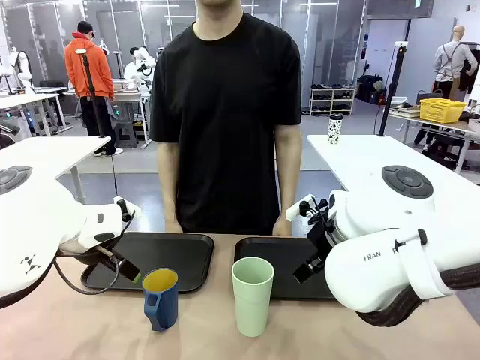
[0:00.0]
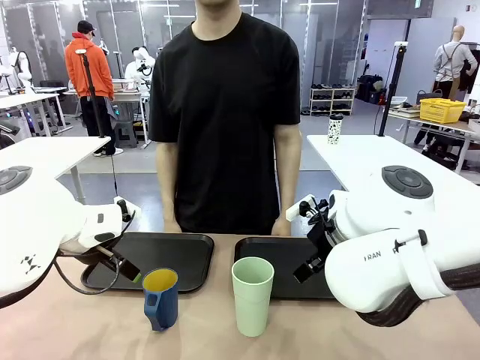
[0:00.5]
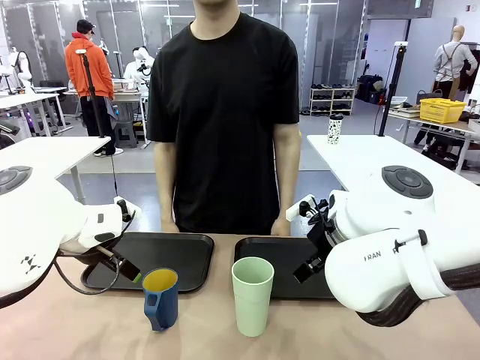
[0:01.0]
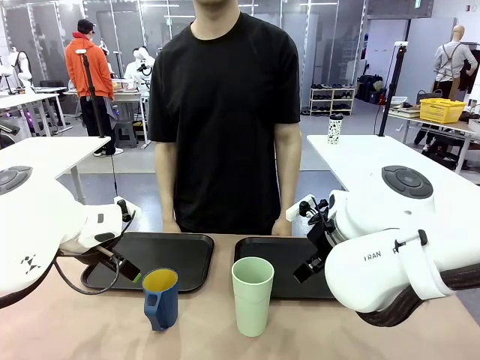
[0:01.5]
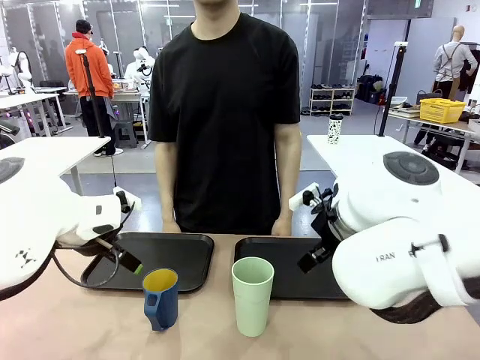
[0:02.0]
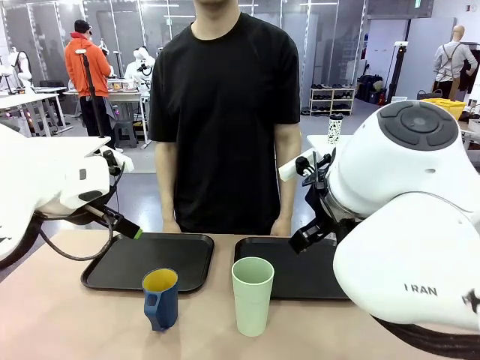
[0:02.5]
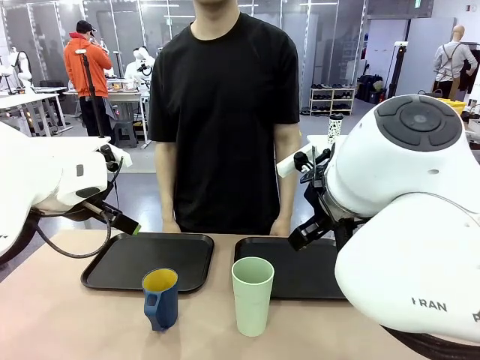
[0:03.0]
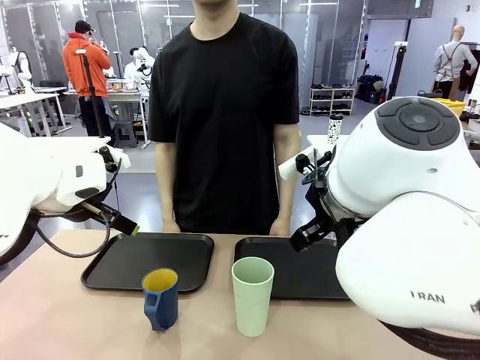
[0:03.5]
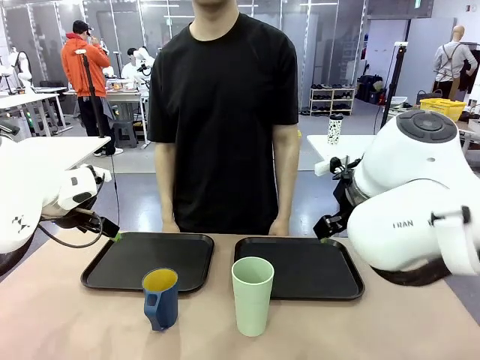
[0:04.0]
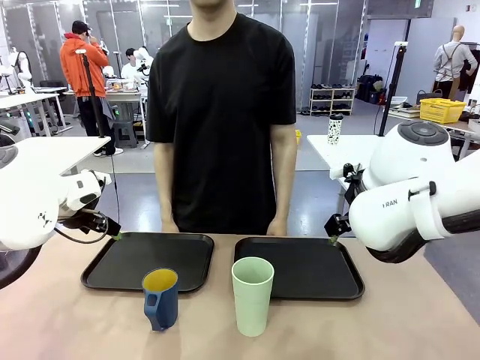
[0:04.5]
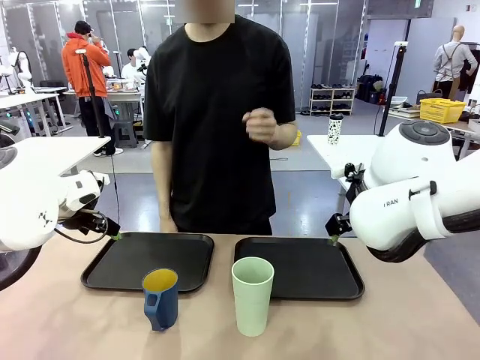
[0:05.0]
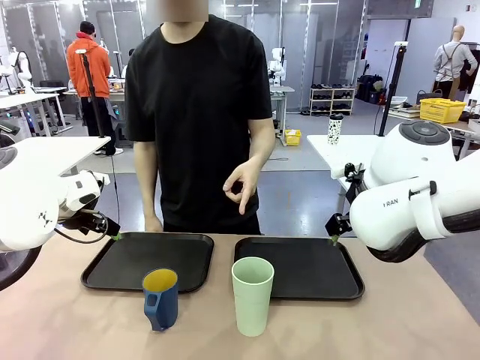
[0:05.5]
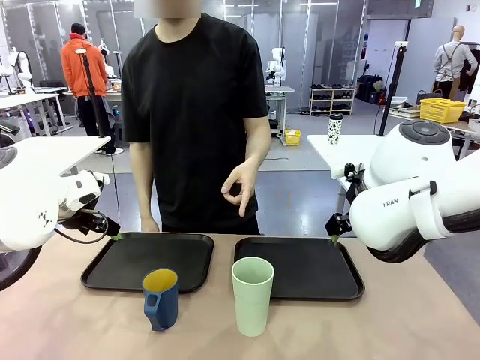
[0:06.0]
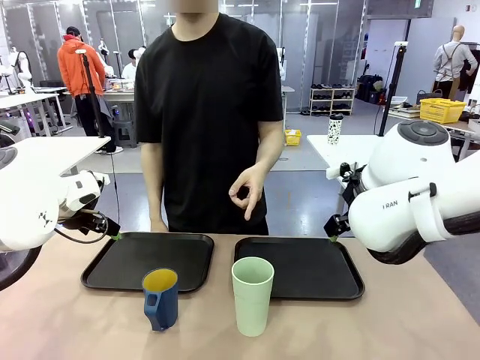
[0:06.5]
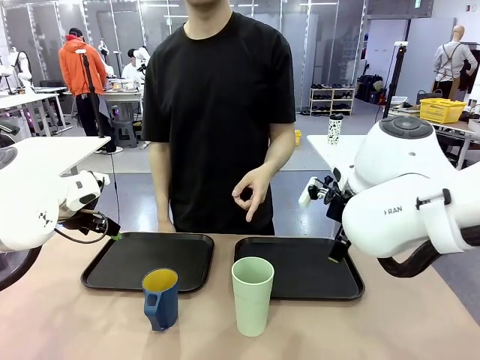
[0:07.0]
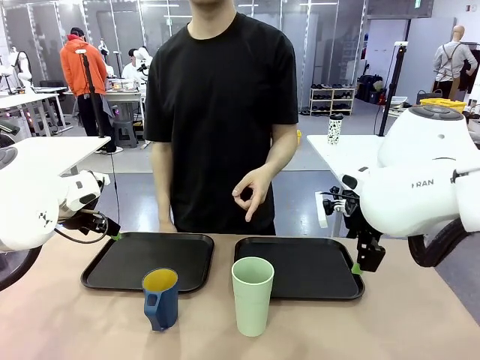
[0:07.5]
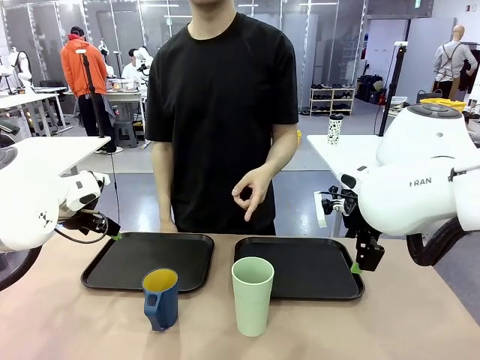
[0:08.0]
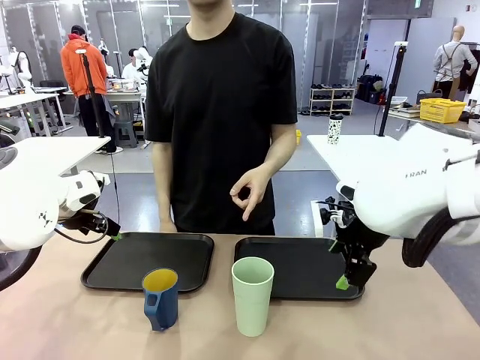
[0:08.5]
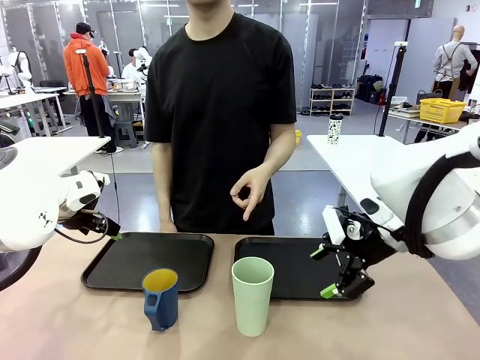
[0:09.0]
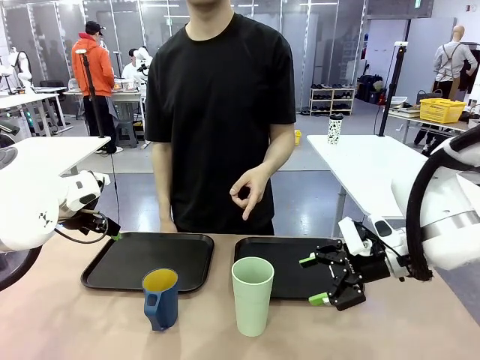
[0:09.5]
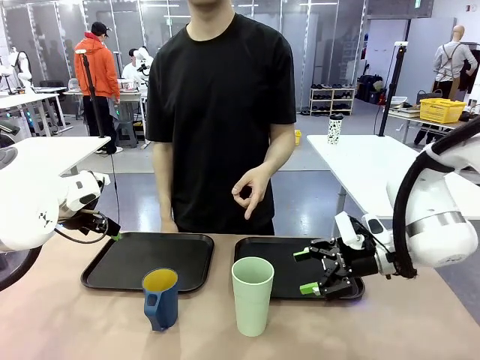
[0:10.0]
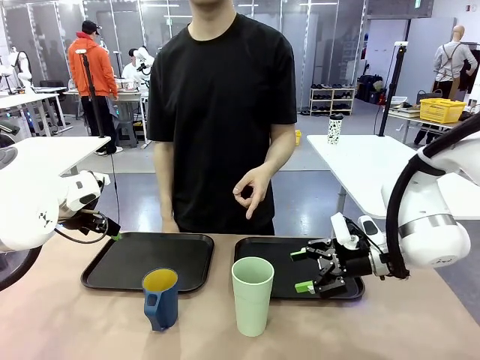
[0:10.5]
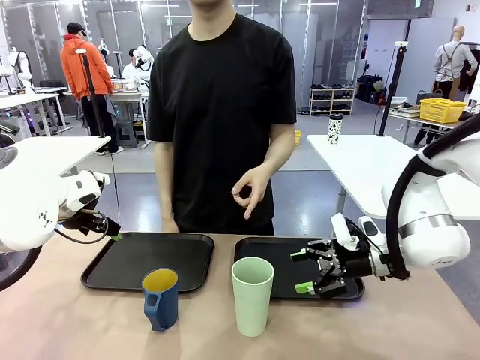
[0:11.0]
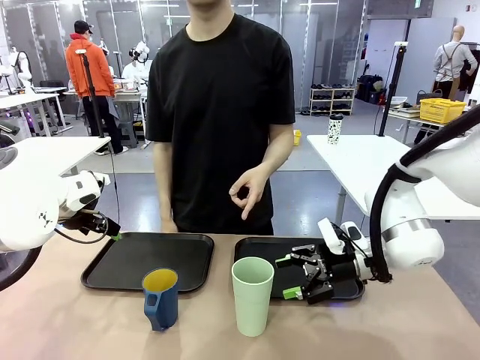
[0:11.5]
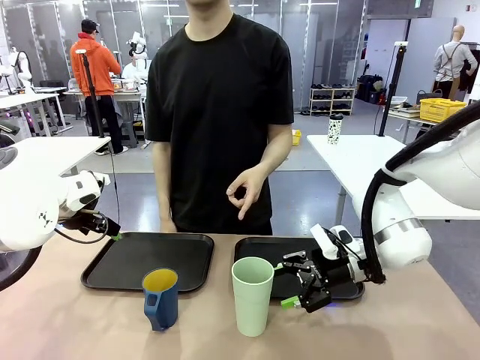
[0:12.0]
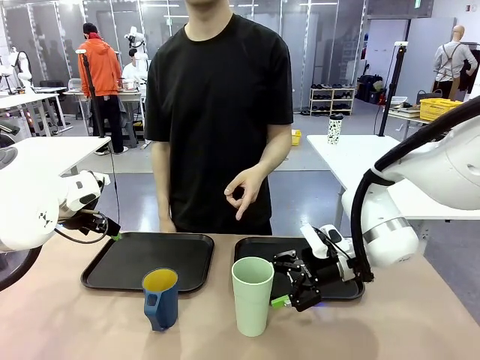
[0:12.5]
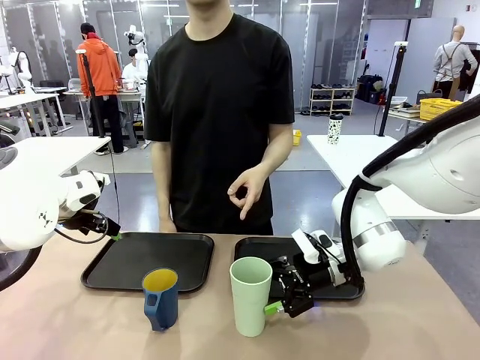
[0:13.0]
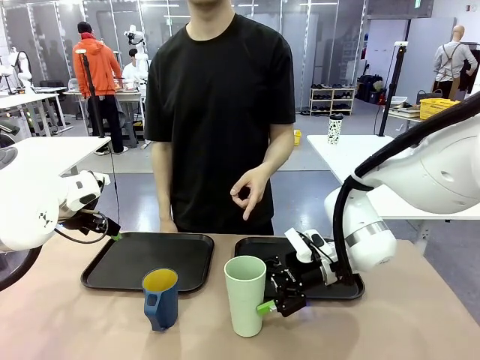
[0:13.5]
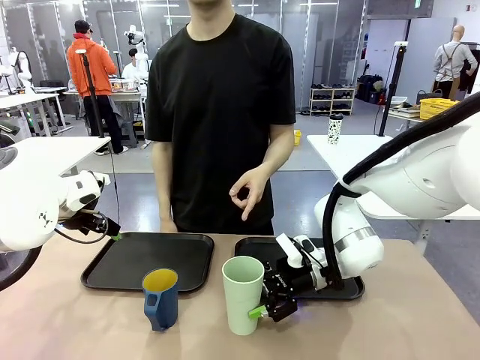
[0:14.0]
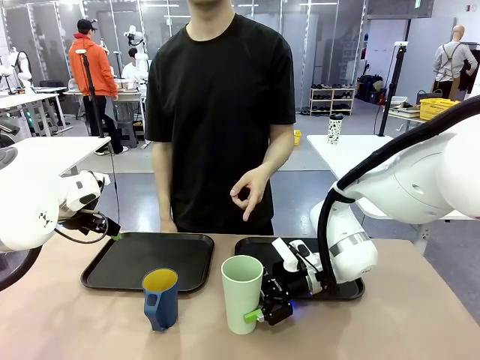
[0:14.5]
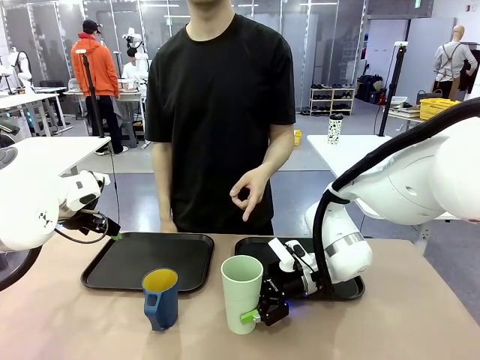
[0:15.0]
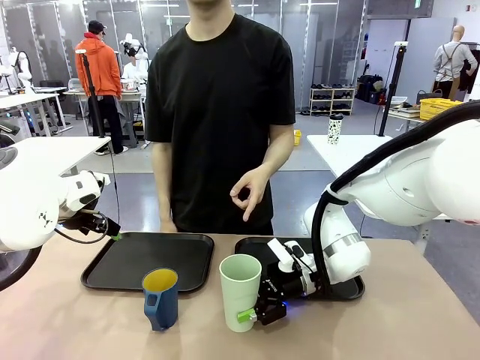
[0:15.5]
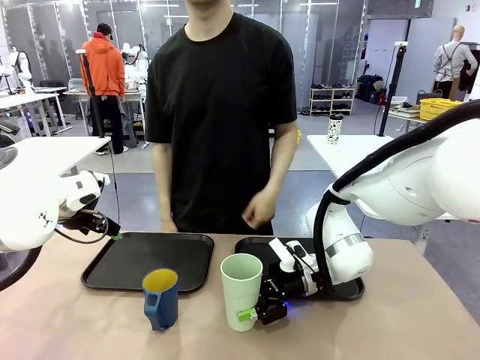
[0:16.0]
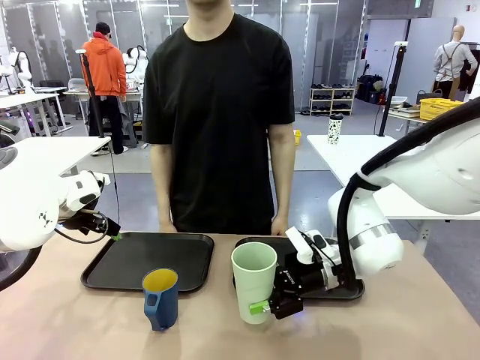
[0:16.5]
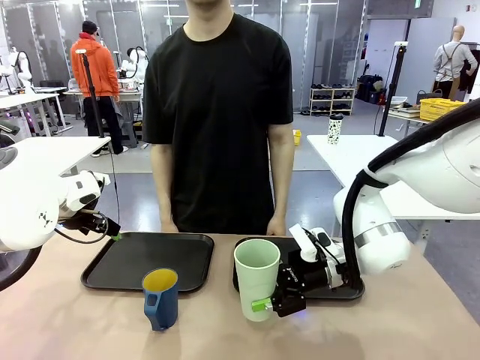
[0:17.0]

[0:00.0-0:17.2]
Task: Sort and store the cups by type.
Robot: Pick up the Reusable plastic cup.
Person: Points to the reusable cup. Point to one of the two trays.

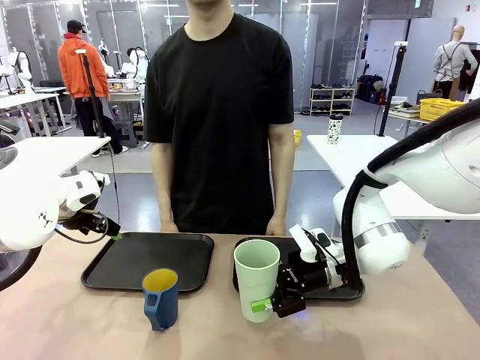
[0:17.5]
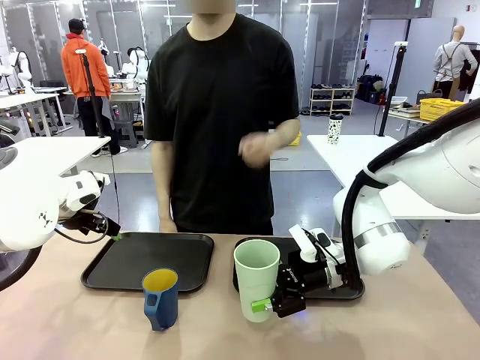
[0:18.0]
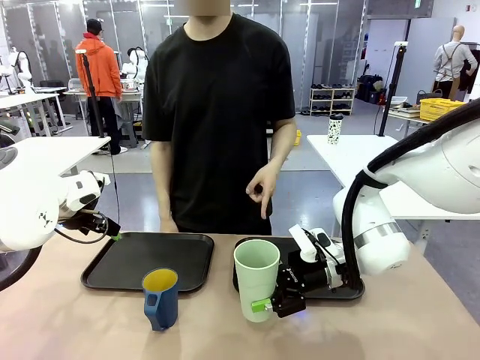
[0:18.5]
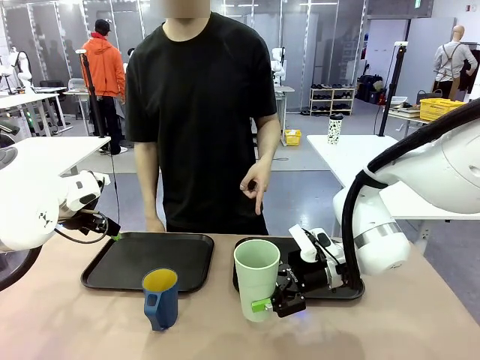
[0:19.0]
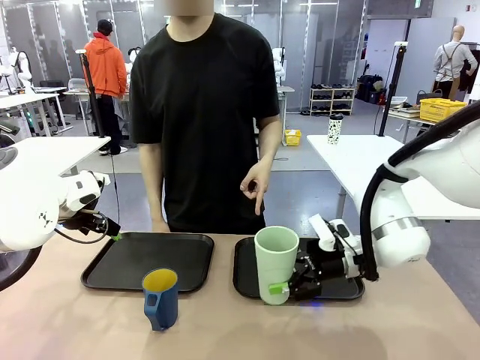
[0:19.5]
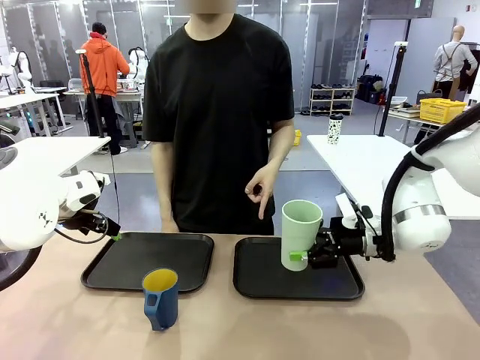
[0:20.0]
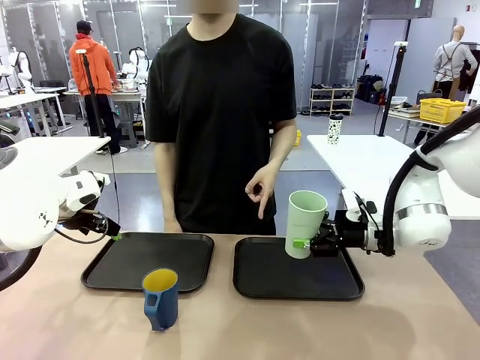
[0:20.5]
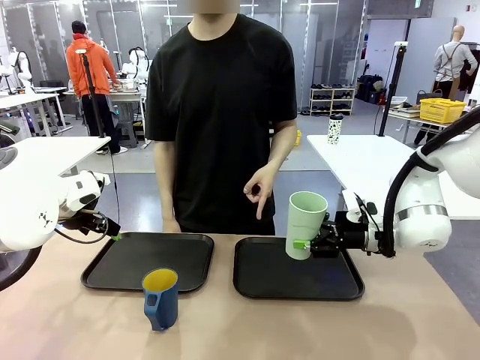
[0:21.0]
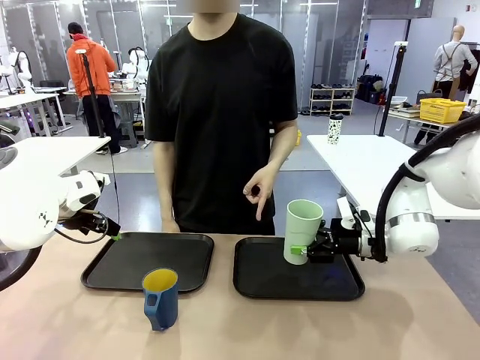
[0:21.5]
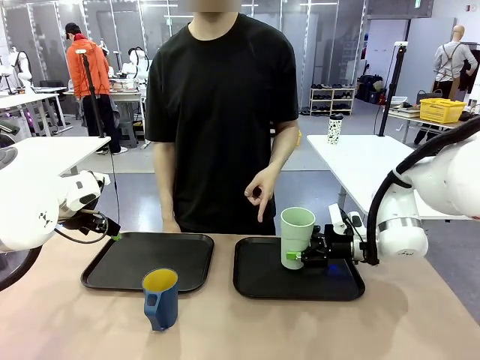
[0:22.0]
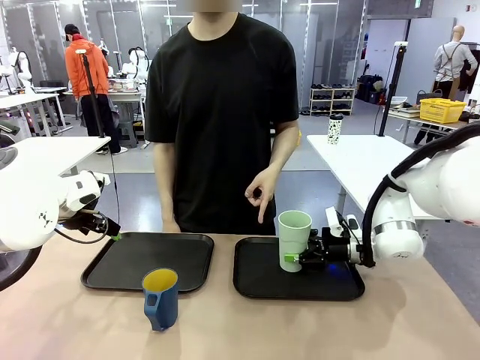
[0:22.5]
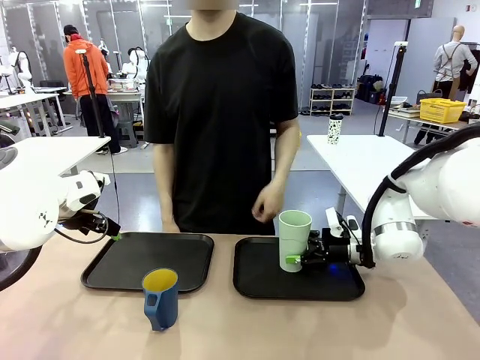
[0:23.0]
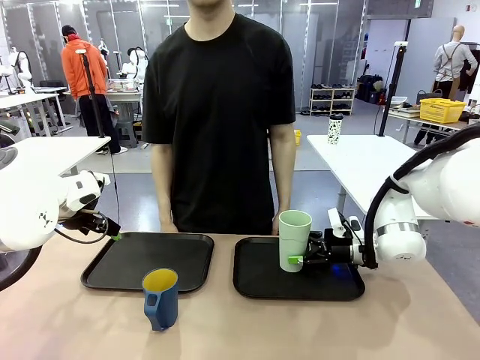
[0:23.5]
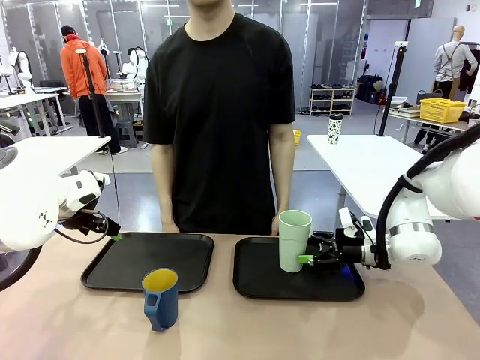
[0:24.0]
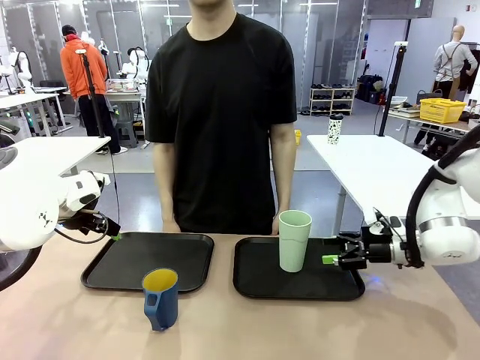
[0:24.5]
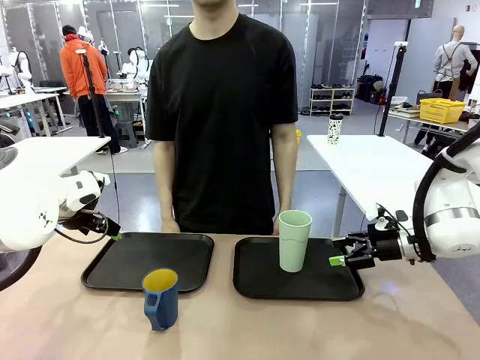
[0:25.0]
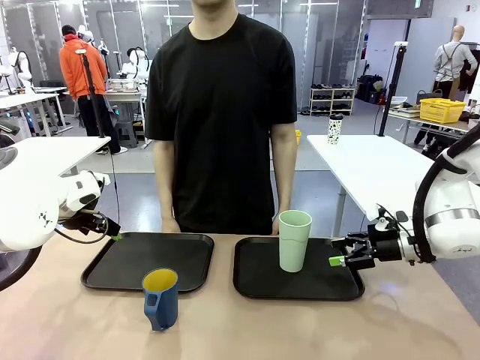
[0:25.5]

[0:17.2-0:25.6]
Robot: Place the picked Reusable plastic cup into the Flat Tray indicated by the person.
